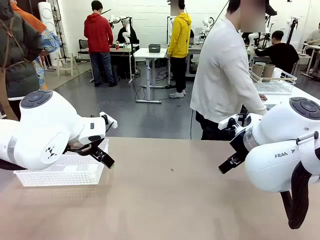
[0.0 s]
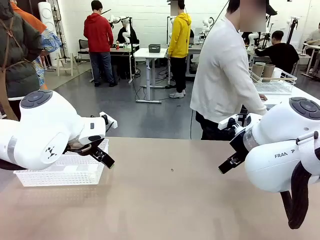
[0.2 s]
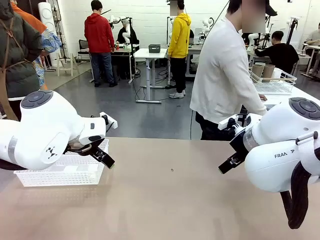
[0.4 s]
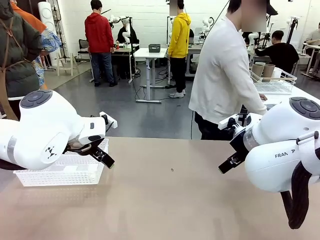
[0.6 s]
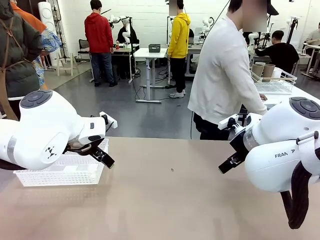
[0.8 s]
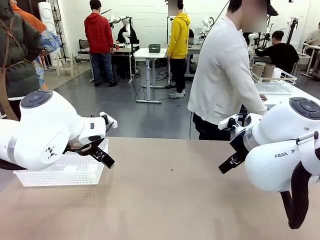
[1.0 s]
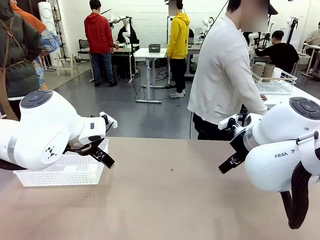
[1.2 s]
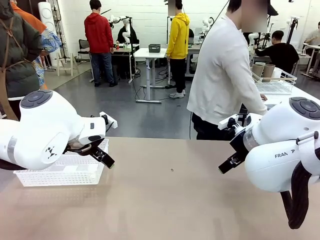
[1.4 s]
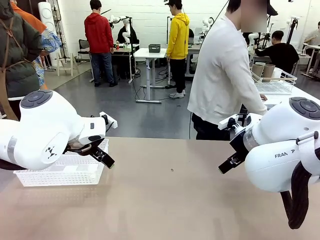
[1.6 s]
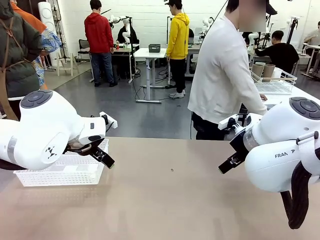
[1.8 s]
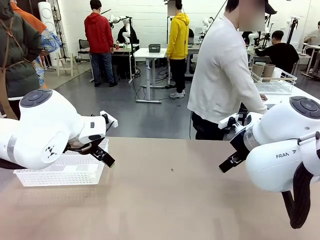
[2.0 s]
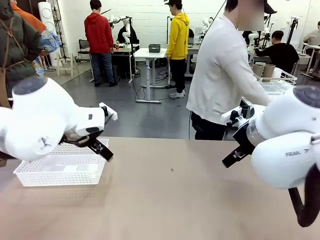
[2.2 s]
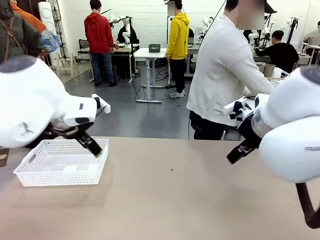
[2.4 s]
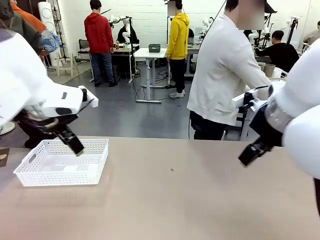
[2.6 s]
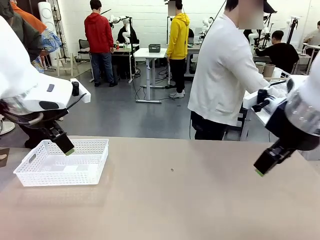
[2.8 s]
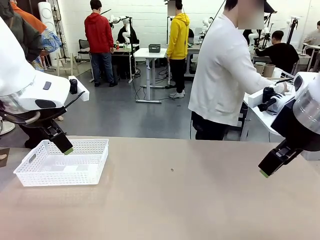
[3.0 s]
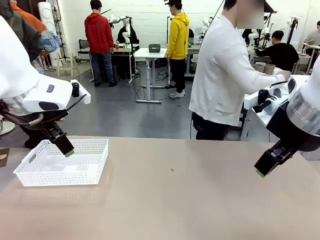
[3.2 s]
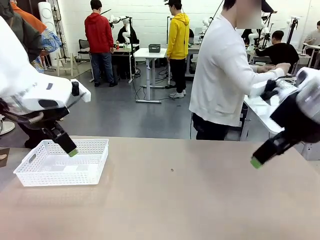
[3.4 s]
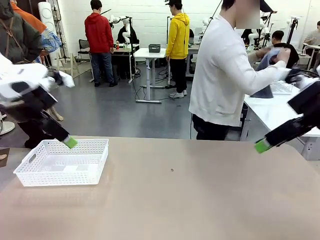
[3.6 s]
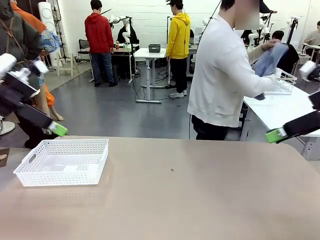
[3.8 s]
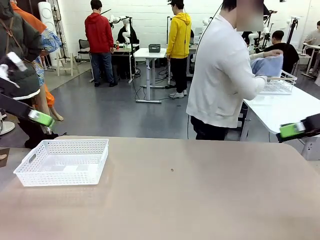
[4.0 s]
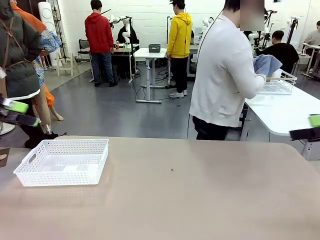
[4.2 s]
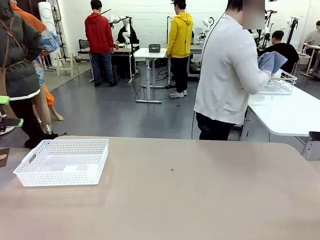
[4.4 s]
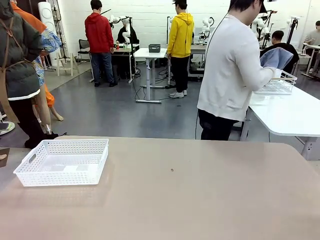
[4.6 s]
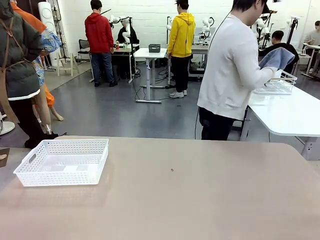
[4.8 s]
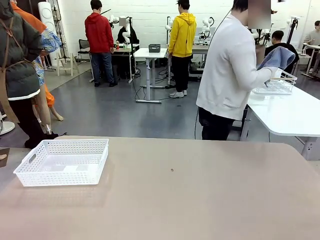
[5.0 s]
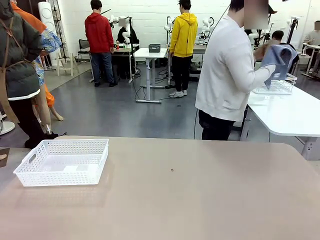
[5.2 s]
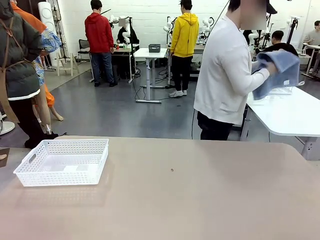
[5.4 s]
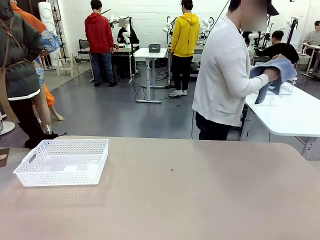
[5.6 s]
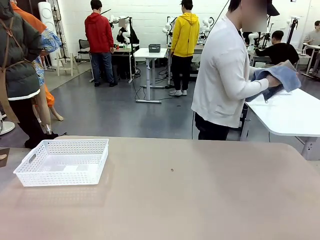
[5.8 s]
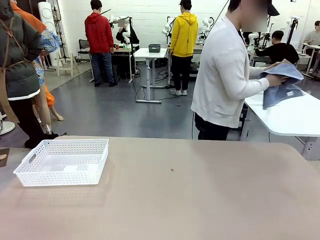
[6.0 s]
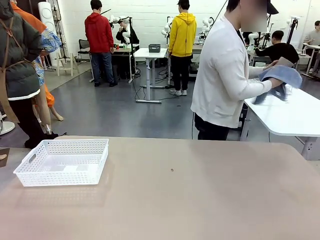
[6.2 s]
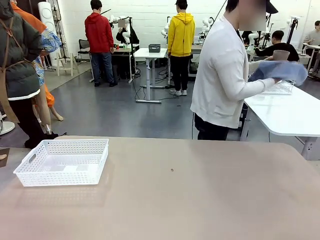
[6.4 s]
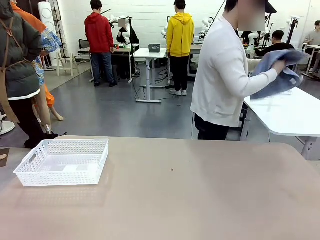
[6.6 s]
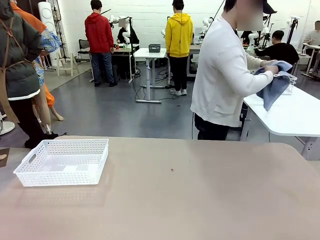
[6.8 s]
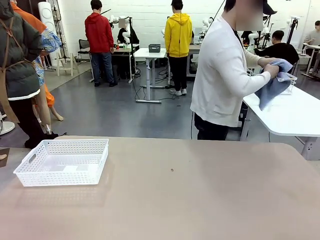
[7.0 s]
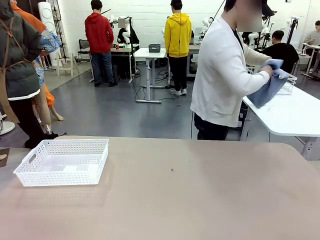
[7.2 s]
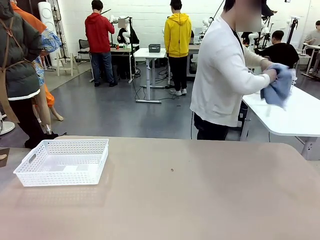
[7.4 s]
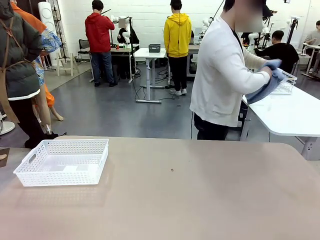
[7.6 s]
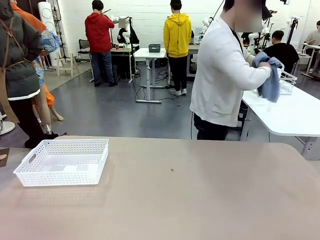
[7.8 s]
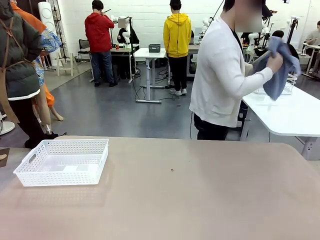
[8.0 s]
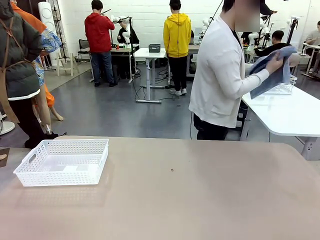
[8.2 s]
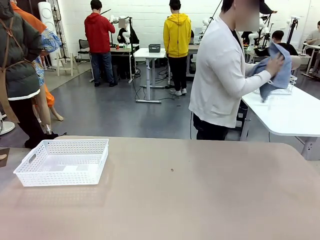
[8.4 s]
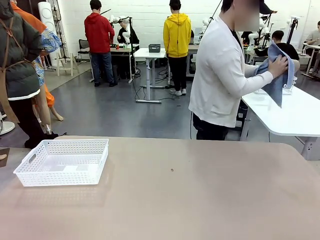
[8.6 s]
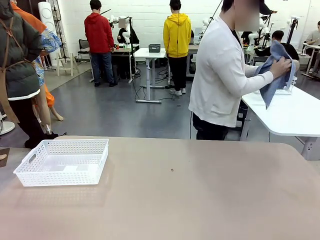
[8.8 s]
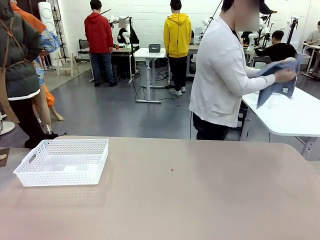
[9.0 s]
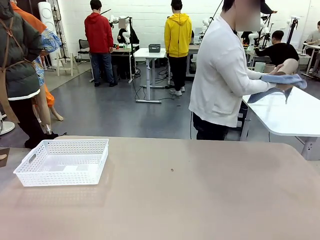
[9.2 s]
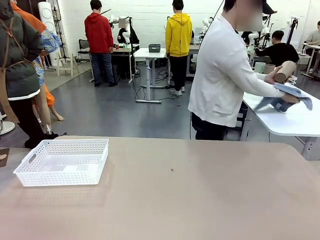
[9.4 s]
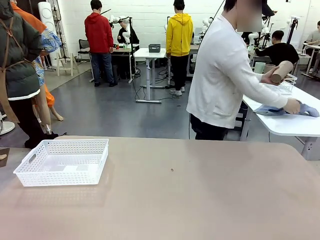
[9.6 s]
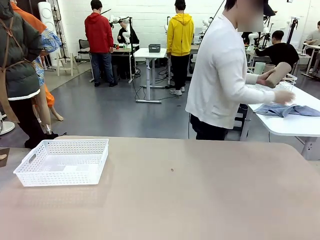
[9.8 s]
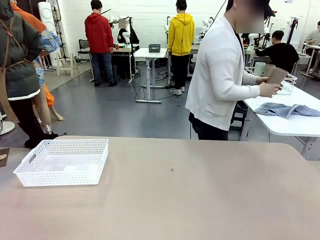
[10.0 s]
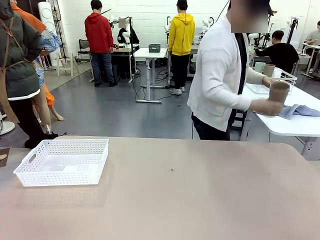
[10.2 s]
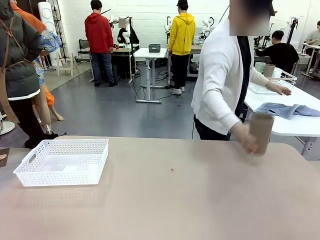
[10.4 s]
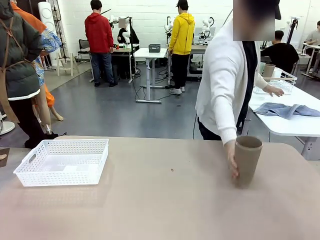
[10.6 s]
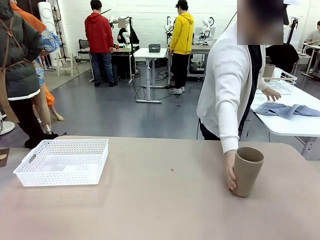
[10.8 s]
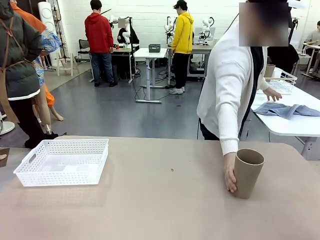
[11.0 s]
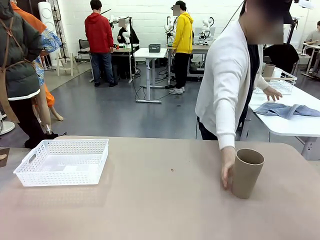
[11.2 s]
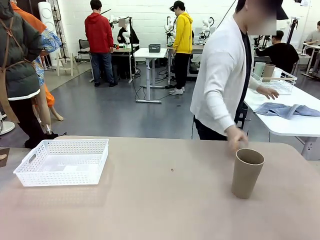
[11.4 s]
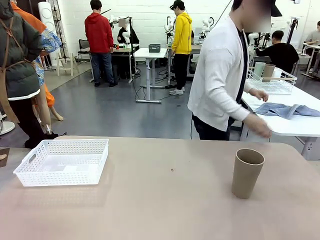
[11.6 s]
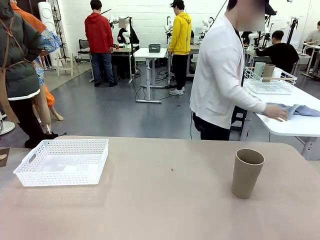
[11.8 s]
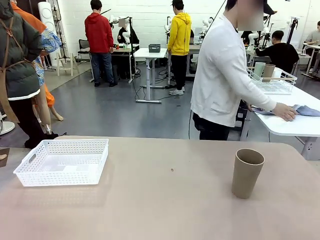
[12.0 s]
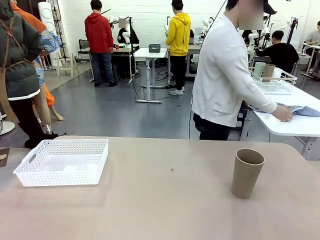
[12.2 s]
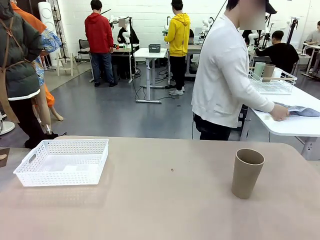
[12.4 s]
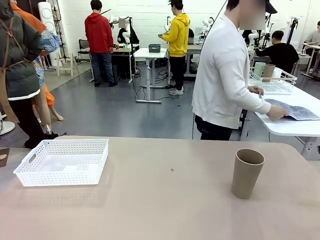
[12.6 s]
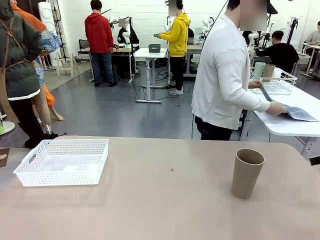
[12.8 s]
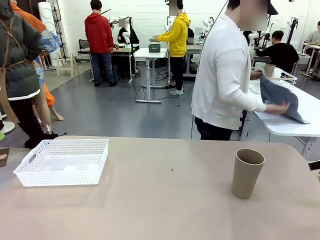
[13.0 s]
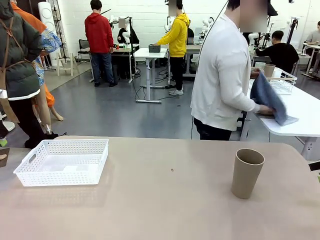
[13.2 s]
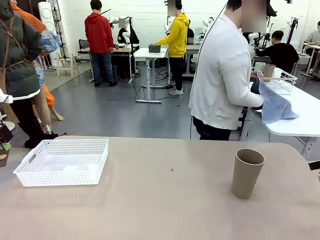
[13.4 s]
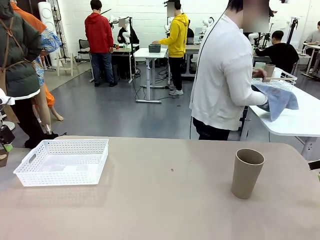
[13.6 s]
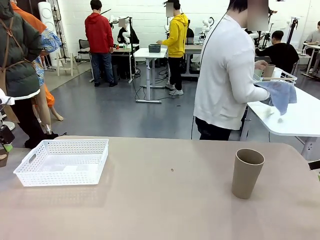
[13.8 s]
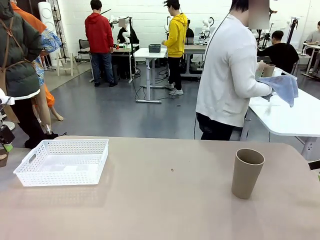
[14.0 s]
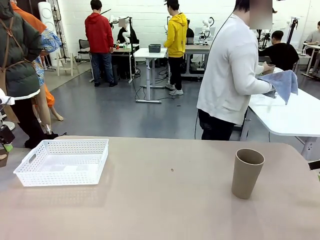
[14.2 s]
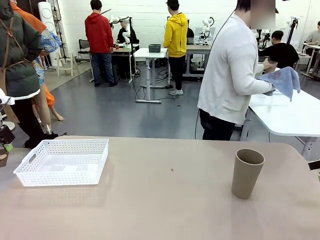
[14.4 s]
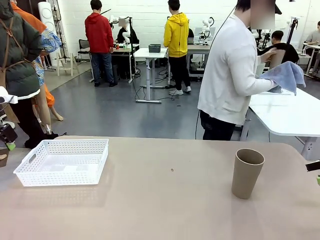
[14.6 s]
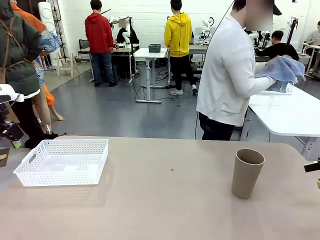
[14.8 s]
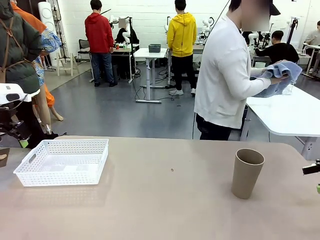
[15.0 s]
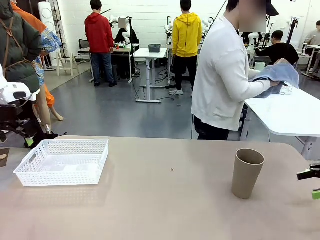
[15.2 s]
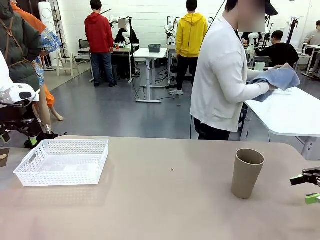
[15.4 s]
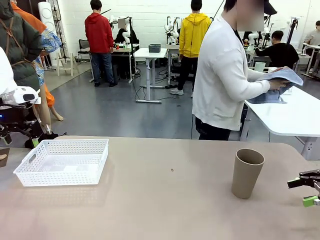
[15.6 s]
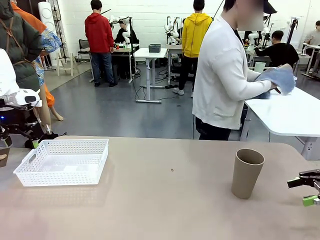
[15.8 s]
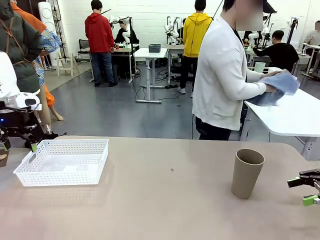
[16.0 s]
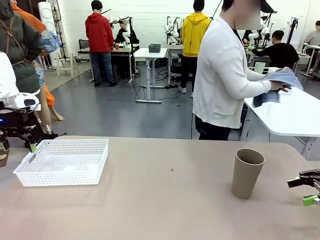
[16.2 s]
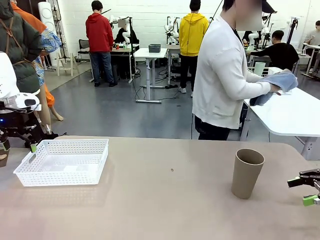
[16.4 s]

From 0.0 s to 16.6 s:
Task: Clean and organize the cups into the basket.
Robot: Pick up the Organizing basket and move it to the center of the table, then pick up the Reusable plastic cup from the right side of the table and place it inside the Organizing basket.
Person: Picks up a cup and a towel, cleans the cup with the towel, and places it on the left side of the robot table.

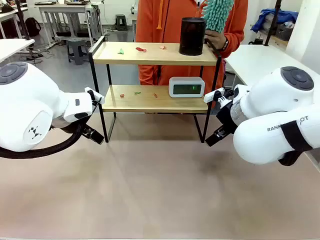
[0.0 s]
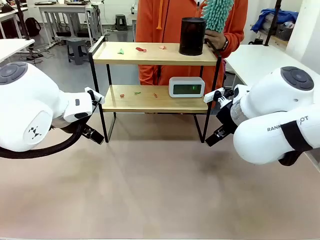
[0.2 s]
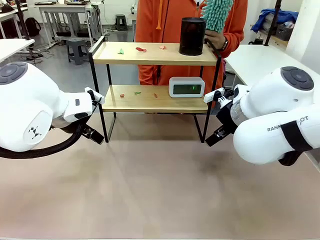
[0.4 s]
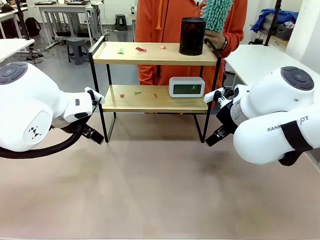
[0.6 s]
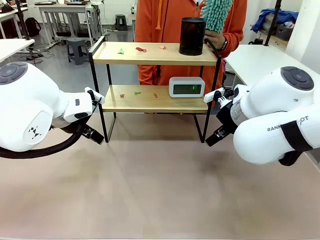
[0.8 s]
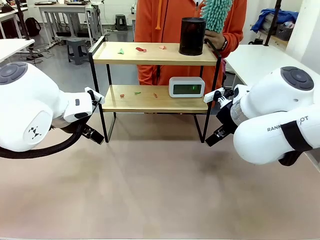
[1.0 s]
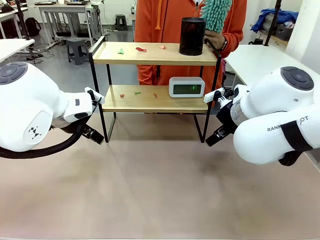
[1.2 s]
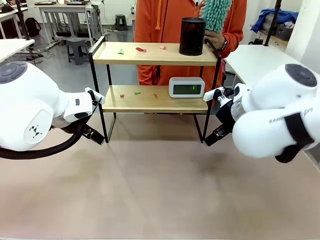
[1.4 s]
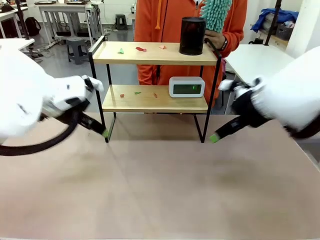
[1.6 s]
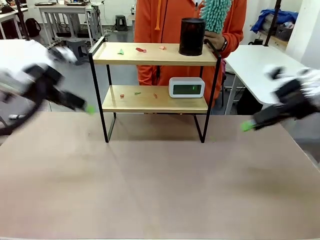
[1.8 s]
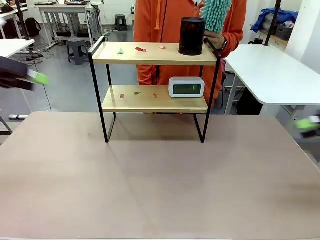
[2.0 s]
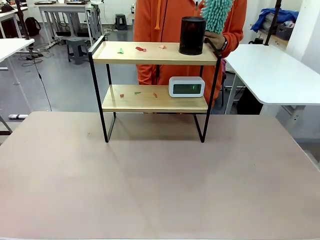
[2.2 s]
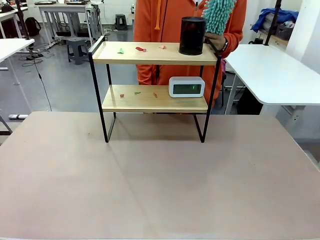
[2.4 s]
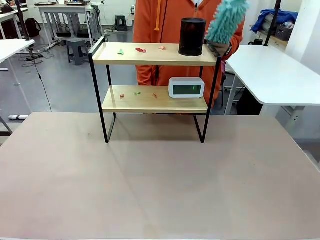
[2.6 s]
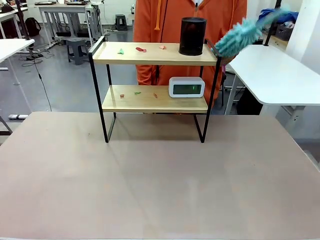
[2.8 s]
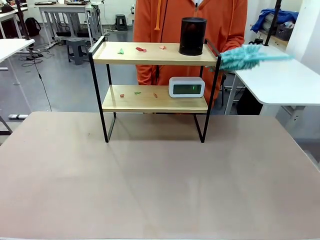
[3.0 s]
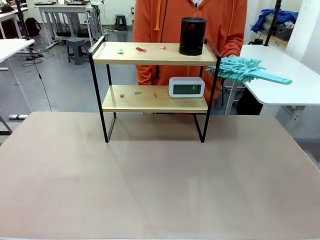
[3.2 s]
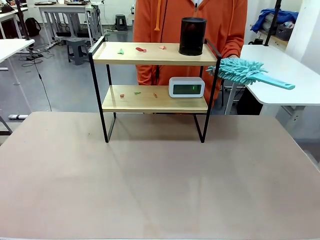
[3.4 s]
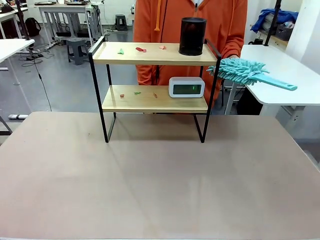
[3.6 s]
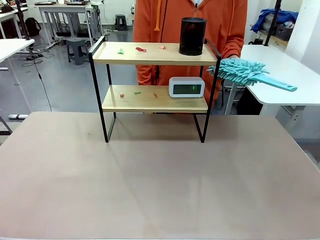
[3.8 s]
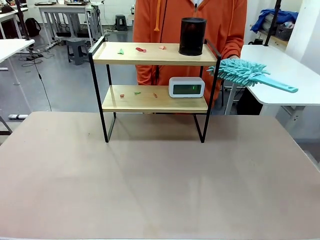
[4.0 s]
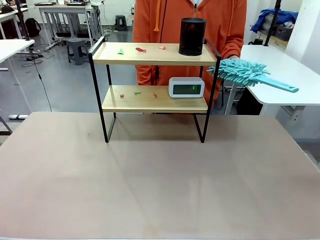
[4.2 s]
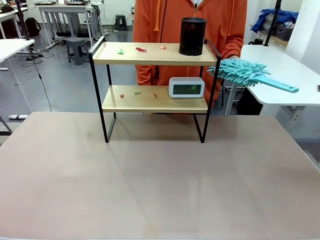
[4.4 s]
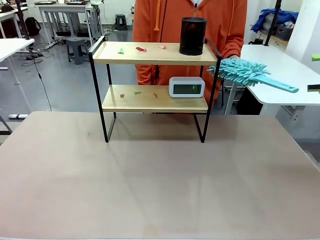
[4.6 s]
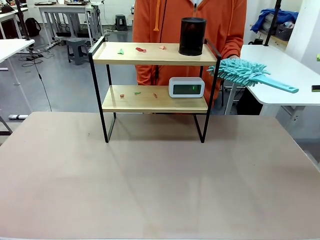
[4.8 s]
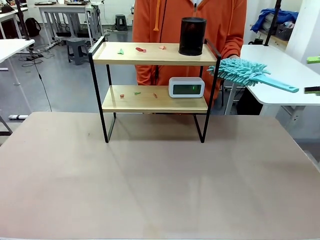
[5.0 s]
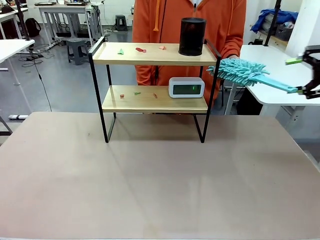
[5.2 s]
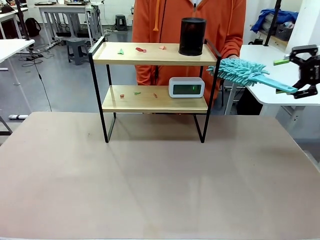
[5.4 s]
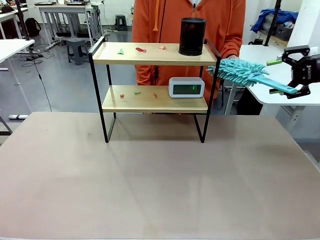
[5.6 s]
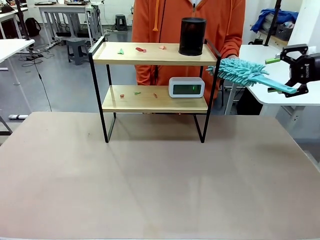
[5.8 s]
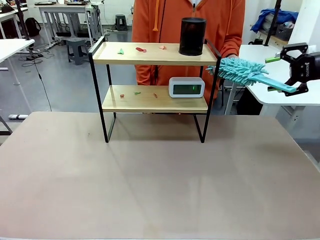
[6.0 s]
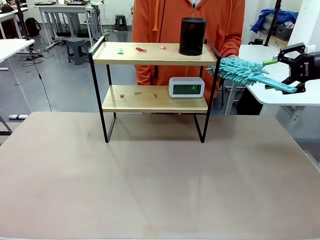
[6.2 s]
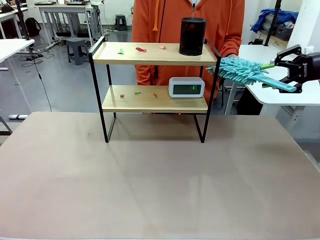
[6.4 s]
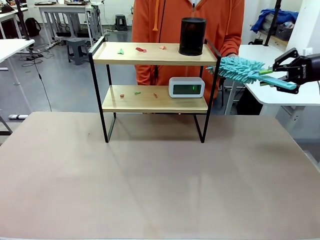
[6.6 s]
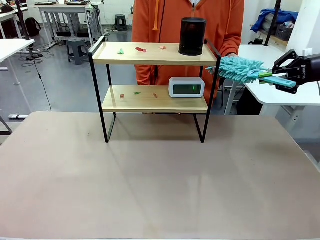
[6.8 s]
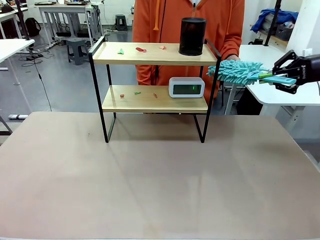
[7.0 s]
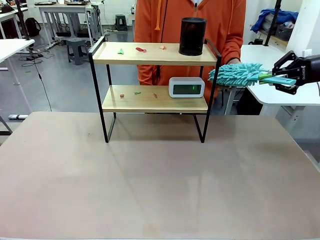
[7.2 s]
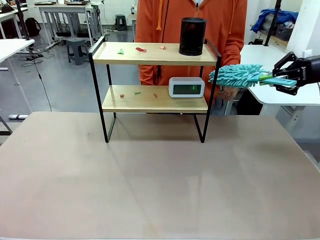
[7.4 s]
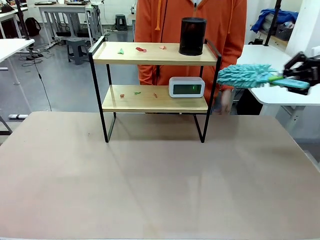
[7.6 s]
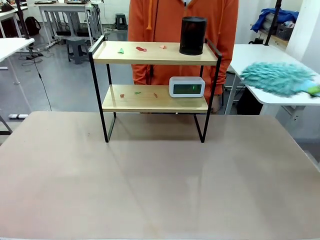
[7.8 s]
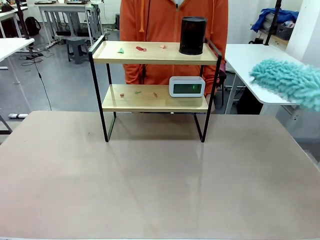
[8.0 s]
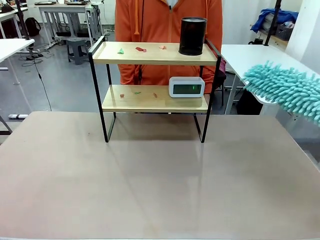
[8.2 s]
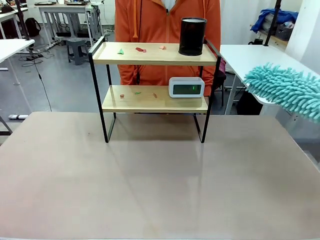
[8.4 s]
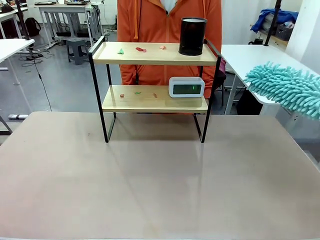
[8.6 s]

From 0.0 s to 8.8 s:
Task: Clean the shelf.
Robot: Pick up the Duster from the human.
Person: Hand the Duster to the robot.
